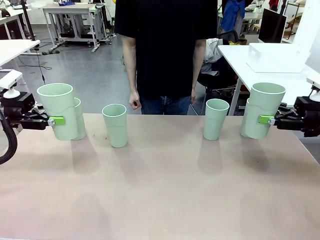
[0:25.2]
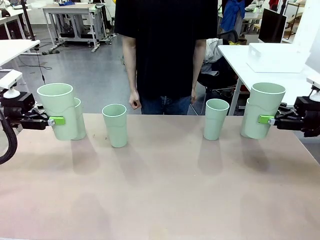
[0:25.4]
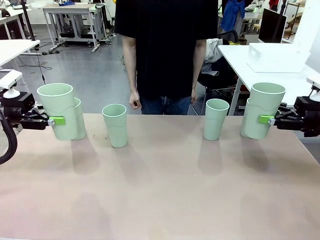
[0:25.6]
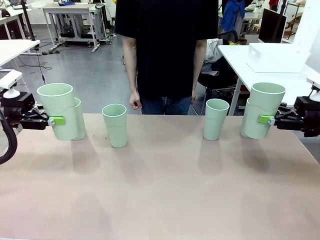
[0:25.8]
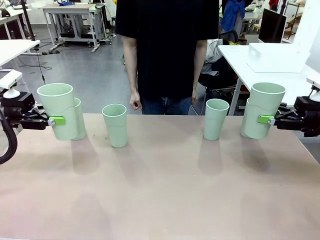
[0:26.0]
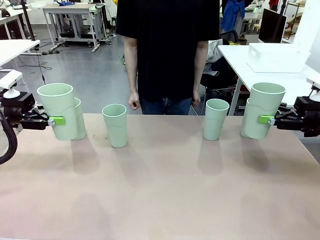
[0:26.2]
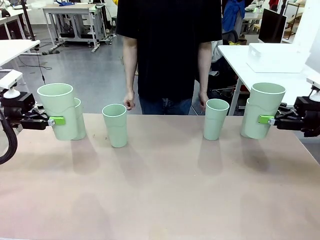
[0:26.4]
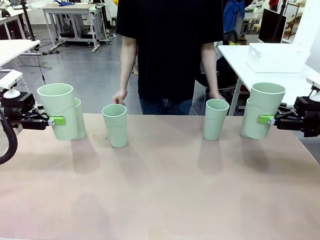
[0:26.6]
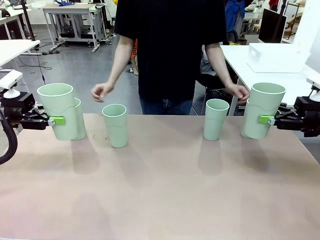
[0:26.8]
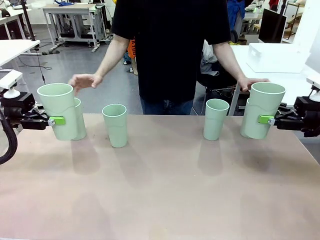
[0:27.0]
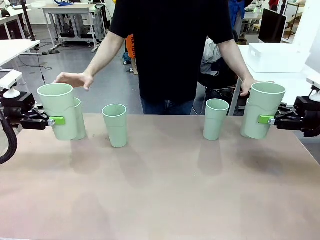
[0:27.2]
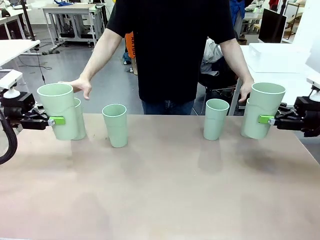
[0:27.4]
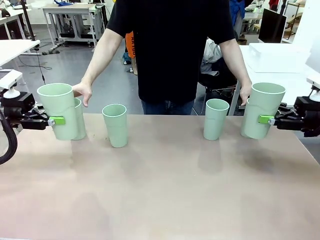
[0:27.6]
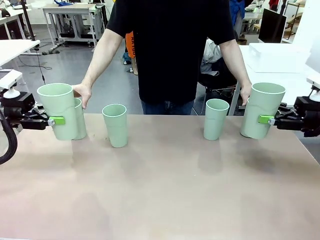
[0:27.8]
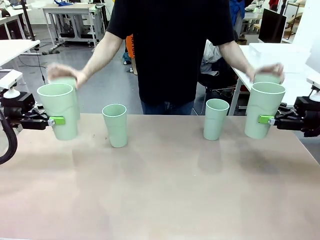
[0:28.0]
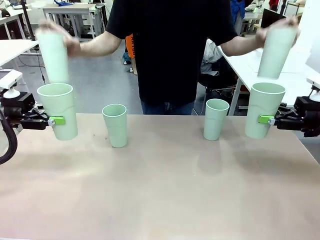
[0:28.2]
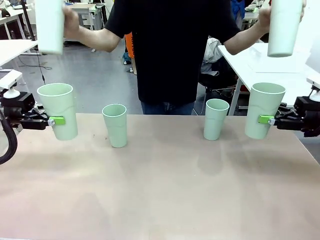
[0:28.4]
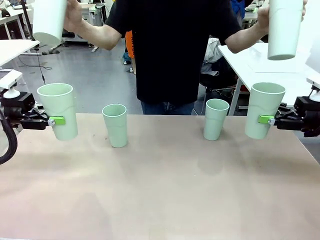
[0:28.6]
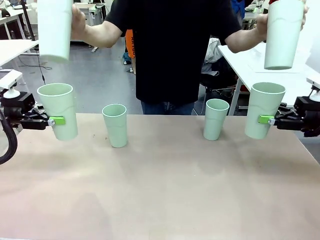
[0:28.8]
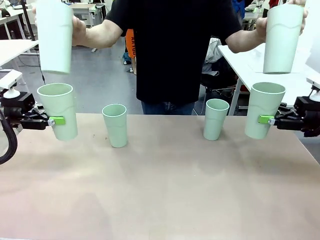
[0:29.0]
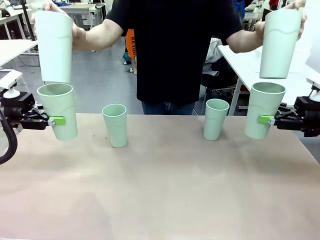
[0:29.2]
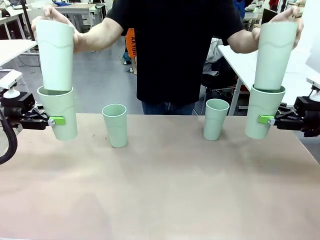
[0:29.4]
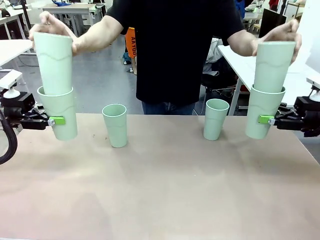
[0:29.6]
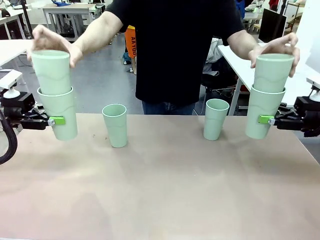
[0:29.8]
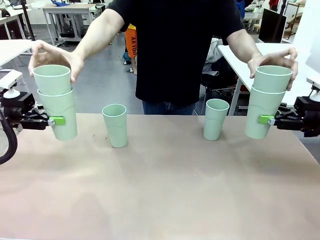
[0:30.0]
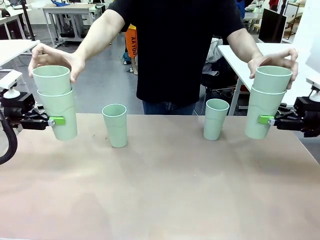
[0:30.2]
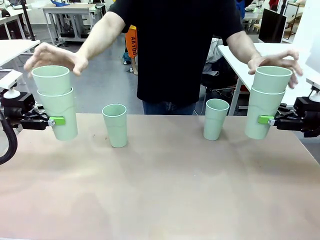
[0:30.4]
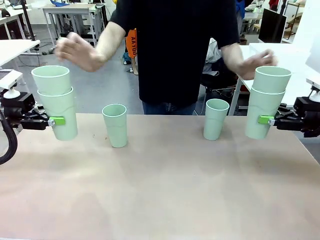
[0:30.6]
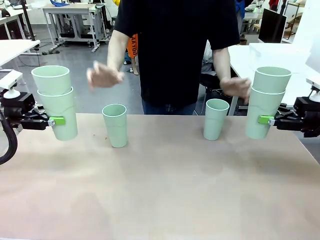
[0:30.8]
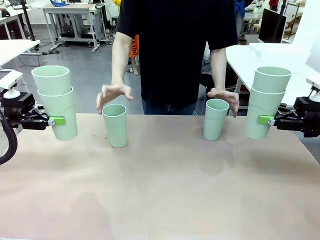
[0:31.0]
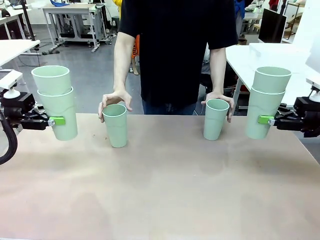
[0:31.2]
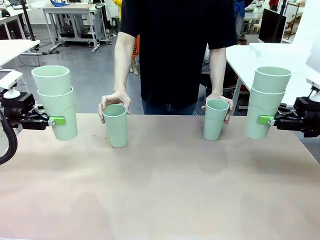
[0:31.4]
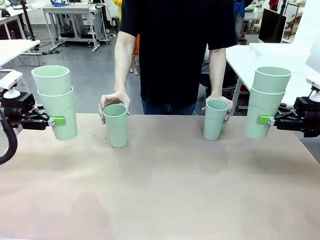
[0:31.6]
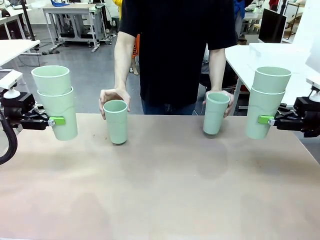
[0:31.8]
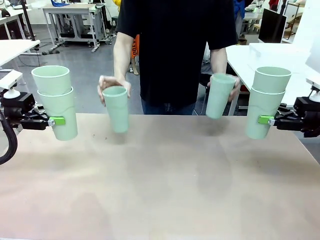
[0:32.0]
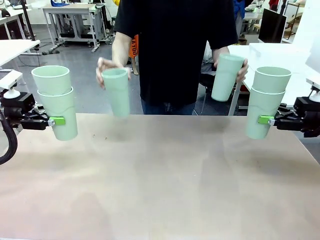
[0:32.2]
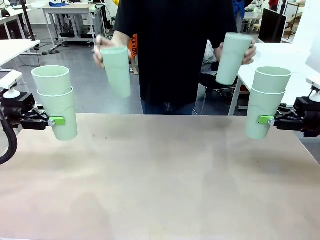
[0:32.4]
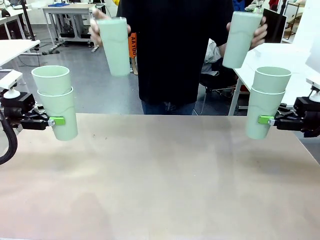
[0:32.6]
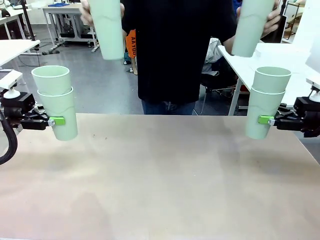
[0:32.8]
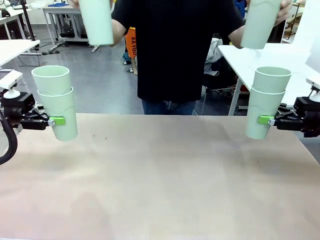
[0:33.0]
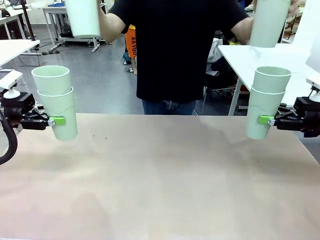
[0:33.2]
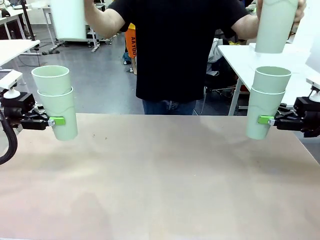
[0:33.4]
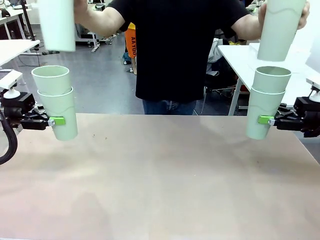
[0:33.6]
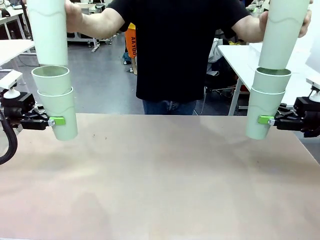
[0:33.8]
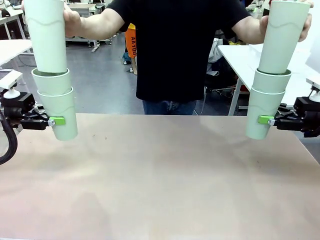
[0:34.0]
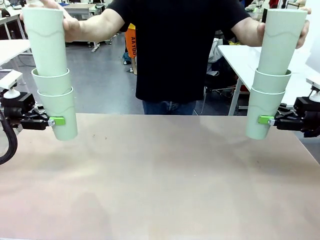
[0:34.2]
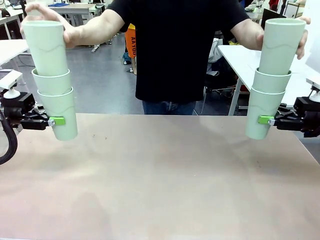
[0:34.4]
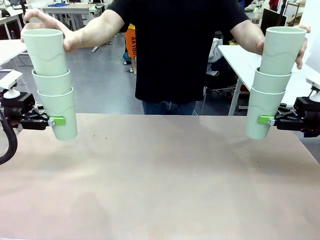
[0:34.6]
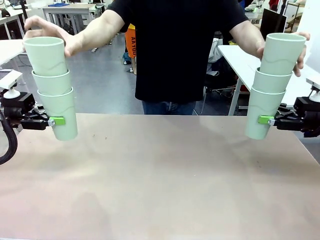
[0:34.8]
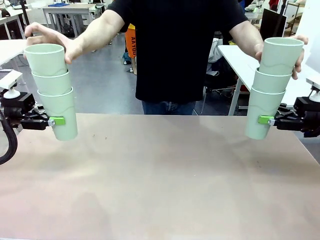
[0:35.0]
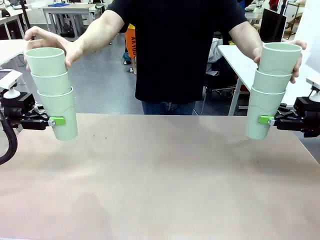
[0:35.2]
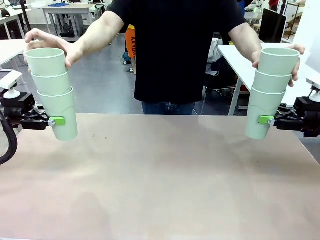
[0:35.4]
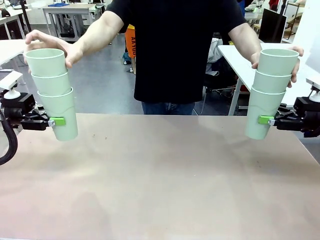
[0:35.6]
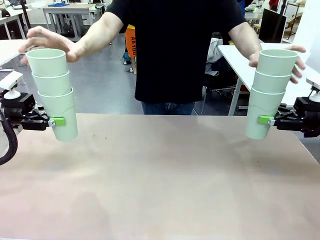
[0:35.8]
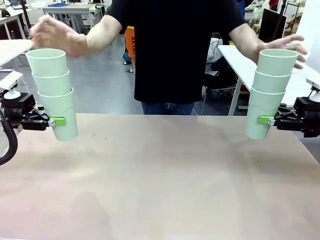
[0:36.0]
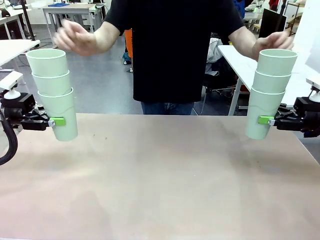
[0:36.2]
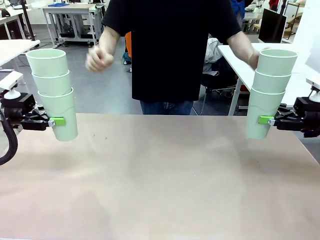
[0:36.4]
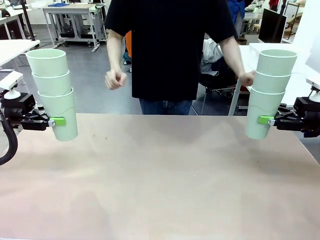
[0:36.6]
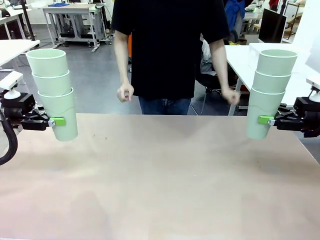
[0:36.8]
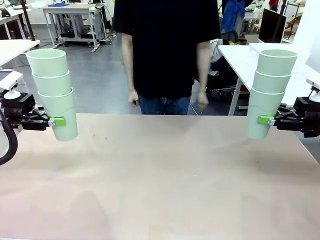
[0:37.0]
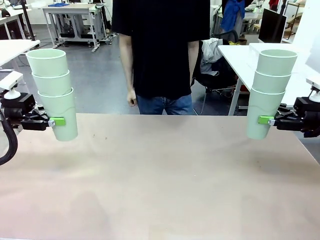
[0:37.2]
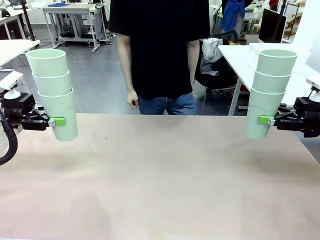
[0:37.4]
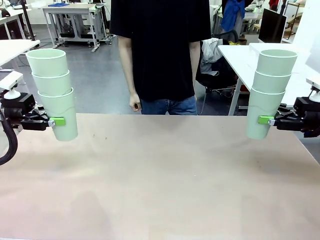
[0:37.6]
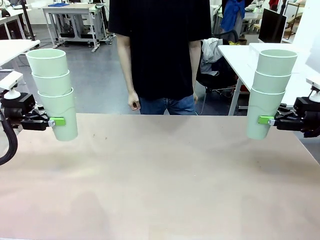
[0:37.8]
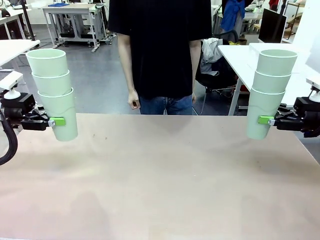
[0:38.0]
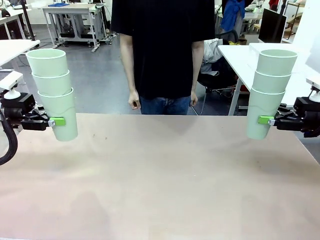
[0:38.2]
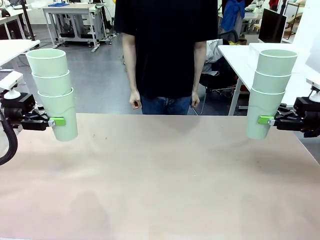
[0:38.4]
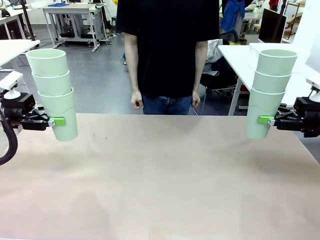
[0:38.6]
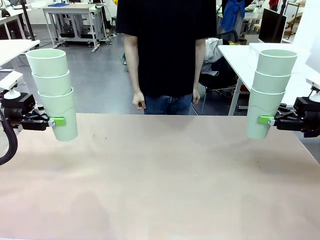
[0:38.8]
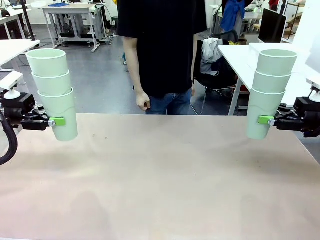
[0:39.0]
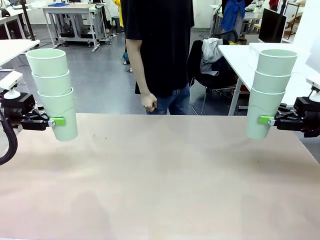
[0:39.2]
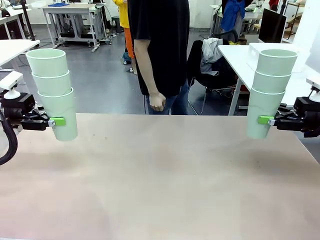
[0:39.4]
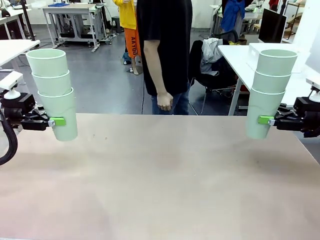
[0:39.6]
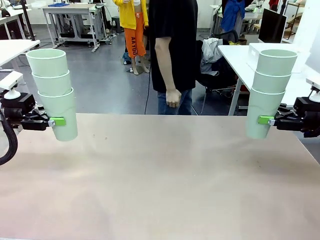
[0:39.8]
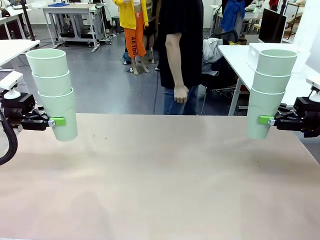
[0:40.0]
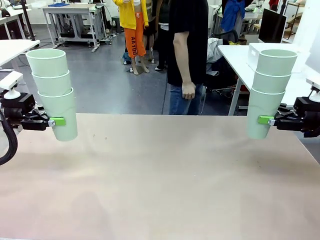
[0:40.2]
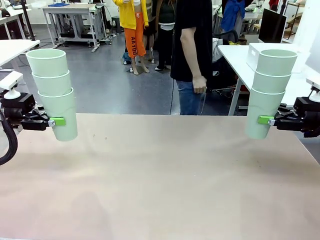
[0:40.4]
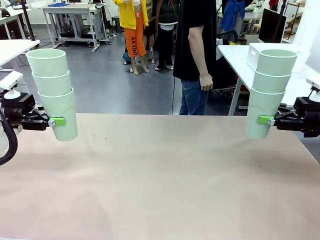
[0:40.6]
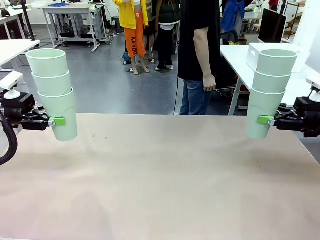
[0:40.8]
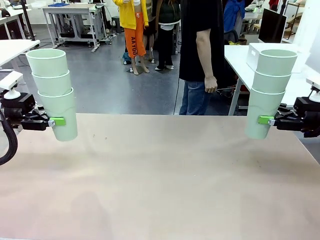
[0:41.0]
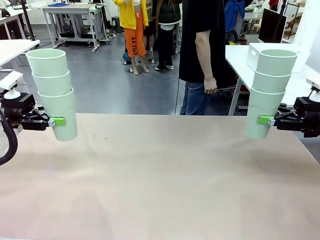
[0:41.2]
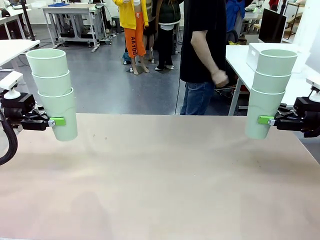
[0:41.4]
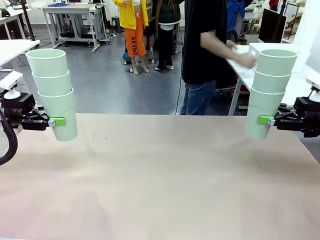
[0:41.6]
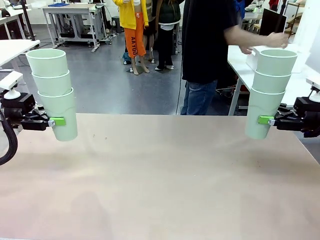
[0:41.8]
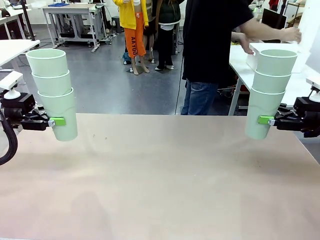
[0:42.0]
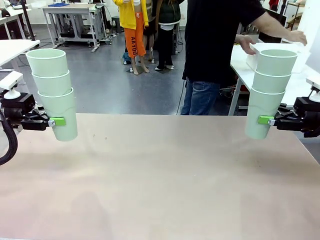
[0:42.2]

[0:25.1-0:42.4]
Task: Stack the cups and store them in the basket.
Robot: Place the stack of Reusable plastic cups into the Pantry Basket.
